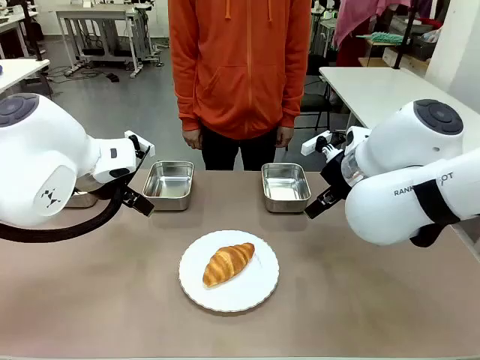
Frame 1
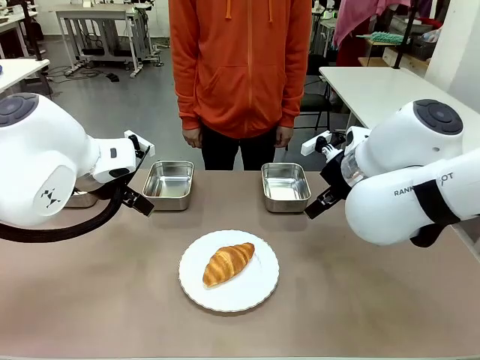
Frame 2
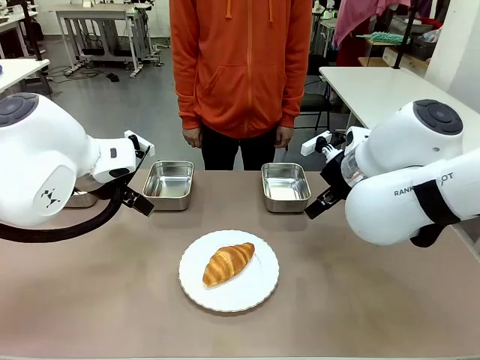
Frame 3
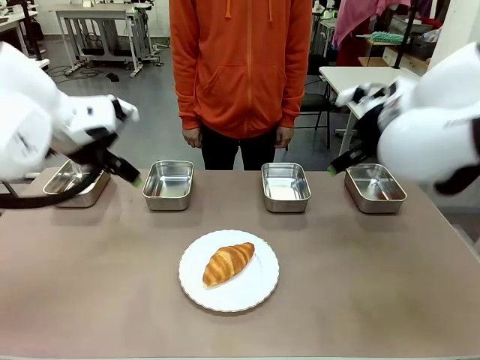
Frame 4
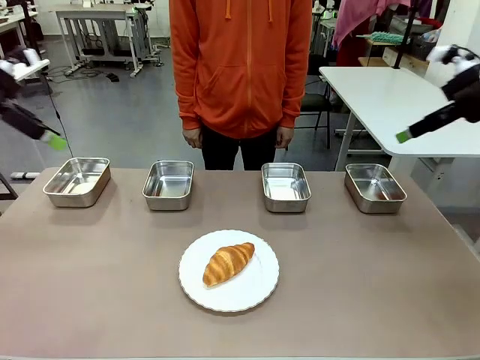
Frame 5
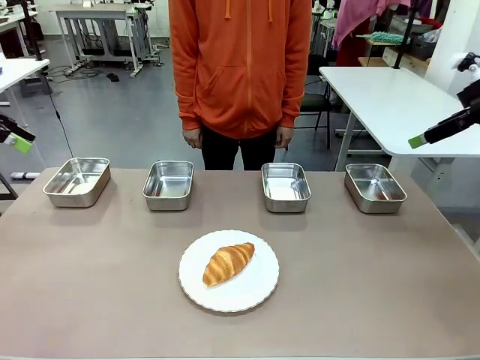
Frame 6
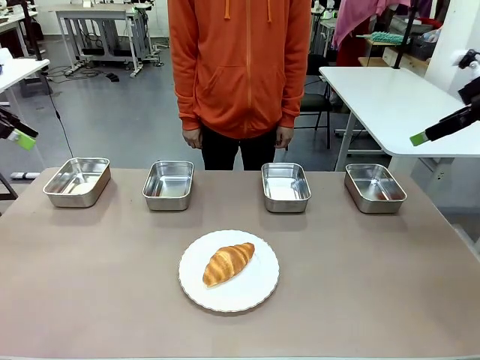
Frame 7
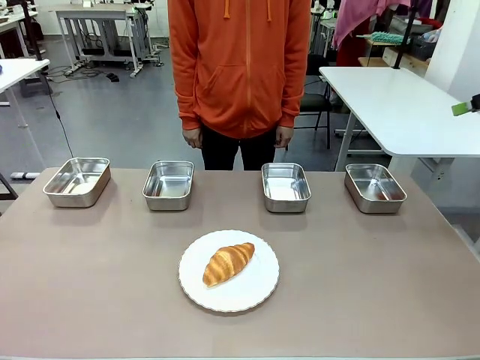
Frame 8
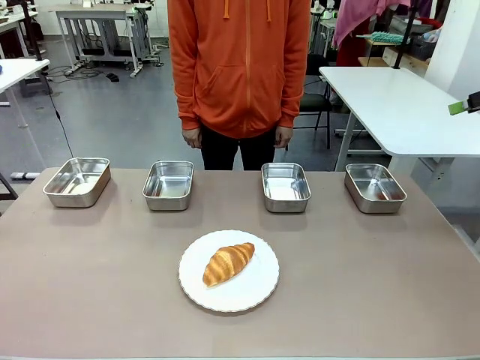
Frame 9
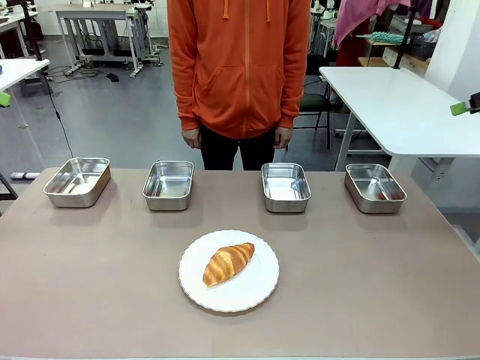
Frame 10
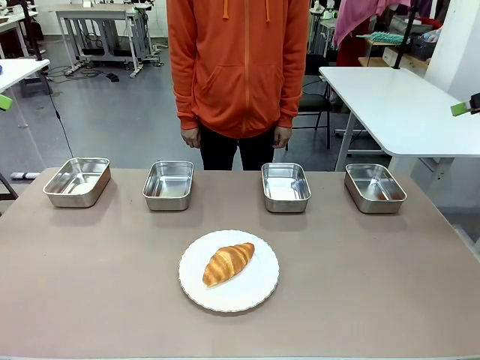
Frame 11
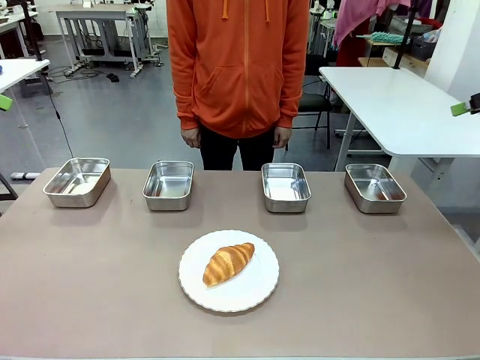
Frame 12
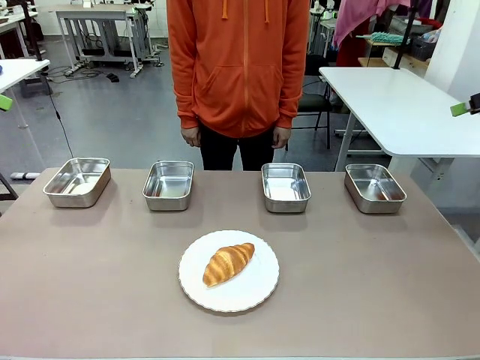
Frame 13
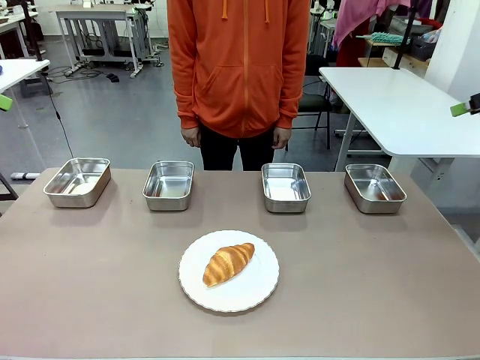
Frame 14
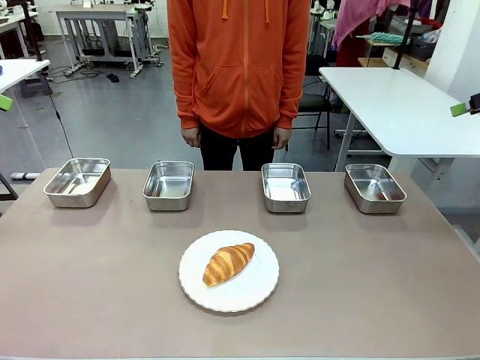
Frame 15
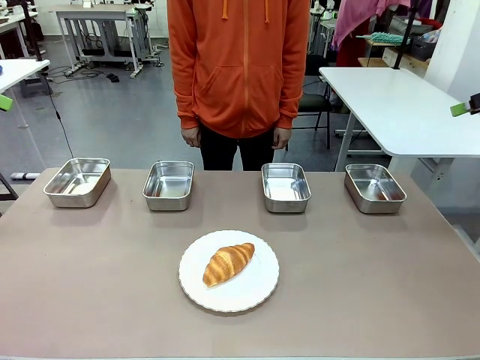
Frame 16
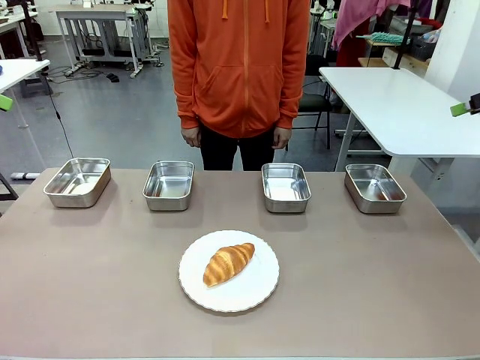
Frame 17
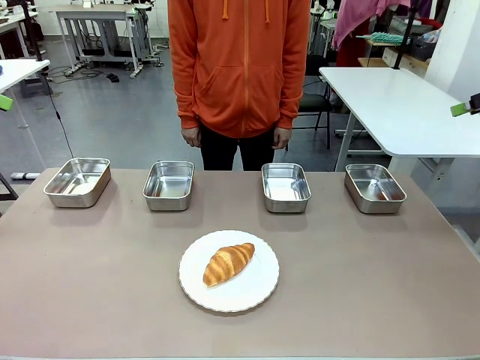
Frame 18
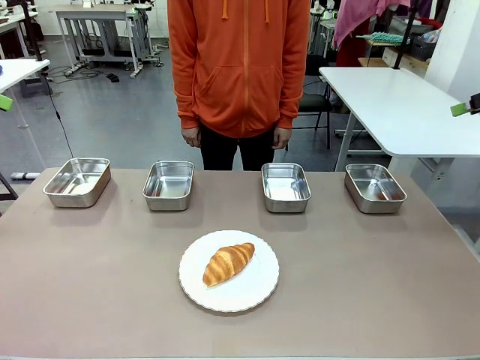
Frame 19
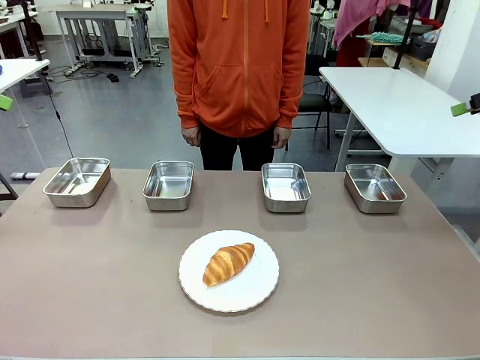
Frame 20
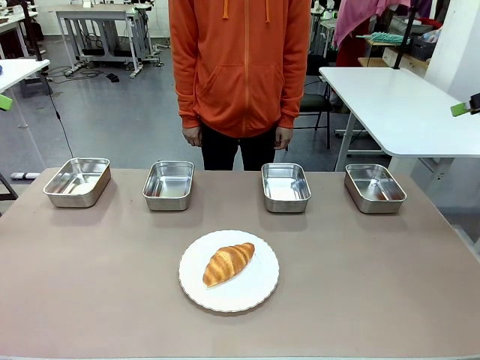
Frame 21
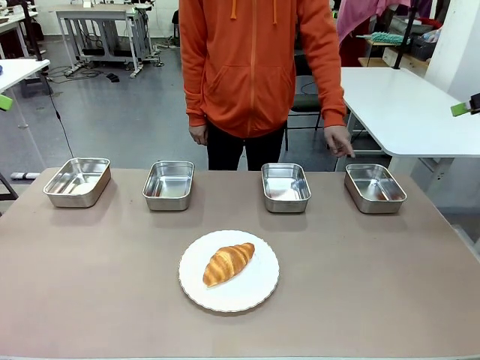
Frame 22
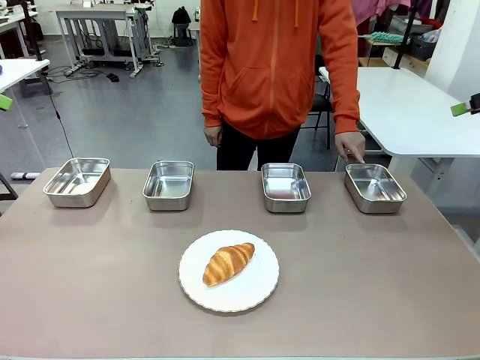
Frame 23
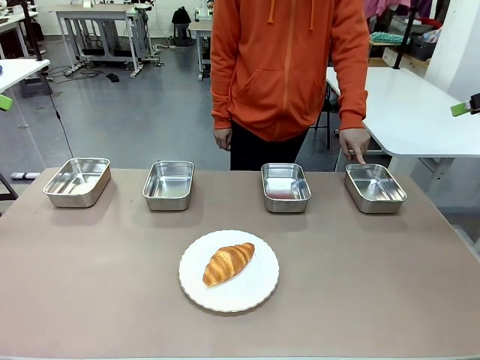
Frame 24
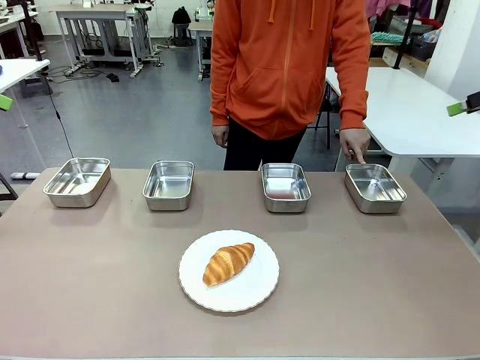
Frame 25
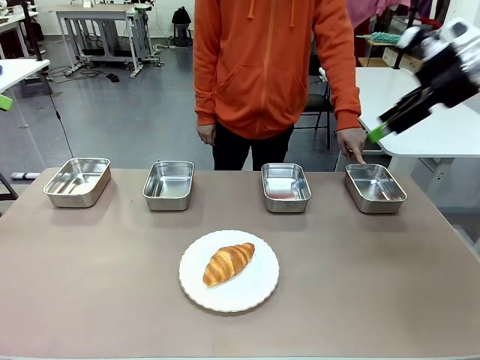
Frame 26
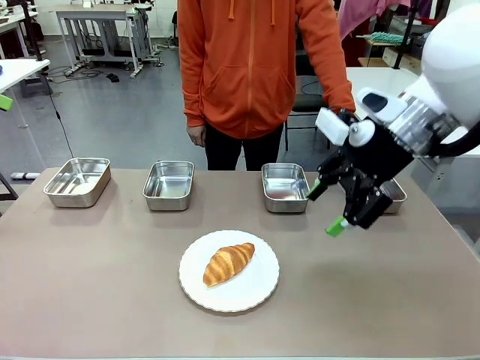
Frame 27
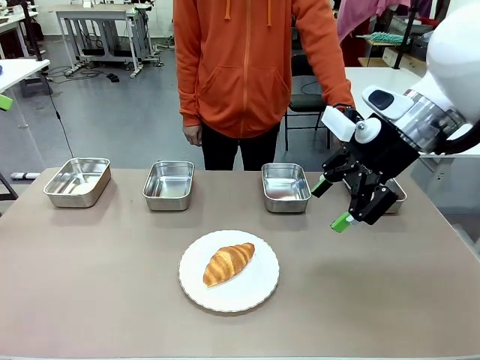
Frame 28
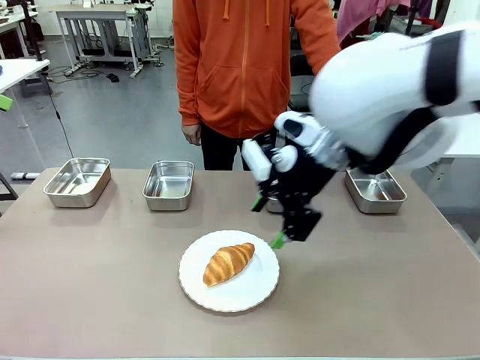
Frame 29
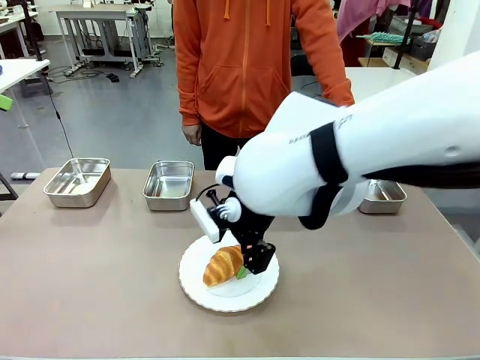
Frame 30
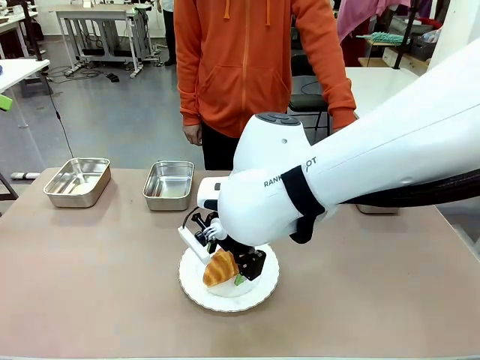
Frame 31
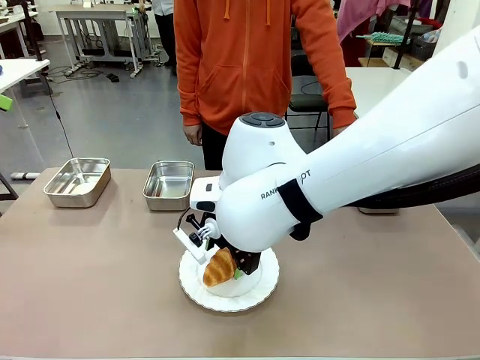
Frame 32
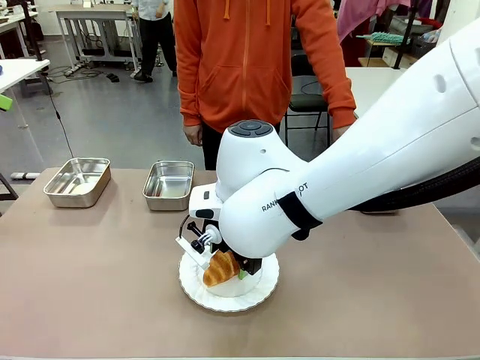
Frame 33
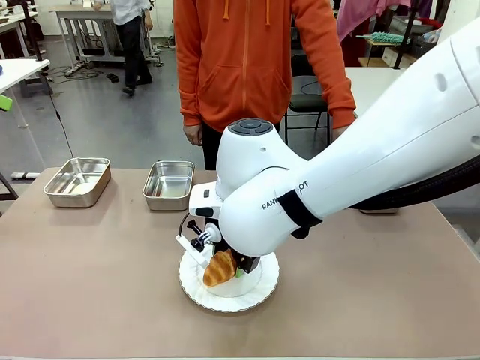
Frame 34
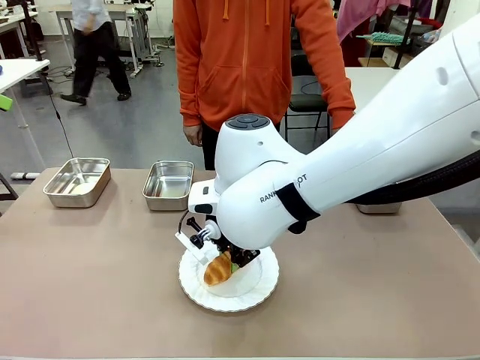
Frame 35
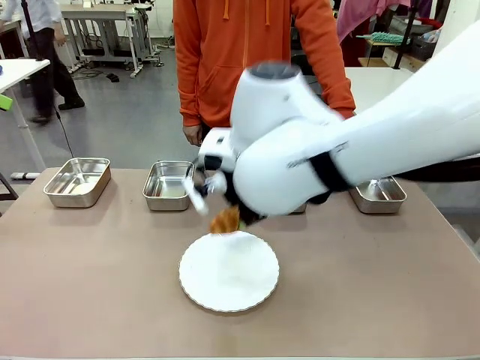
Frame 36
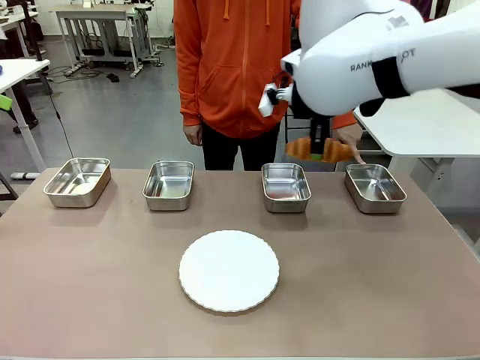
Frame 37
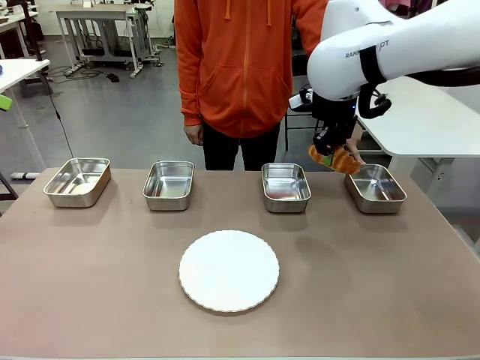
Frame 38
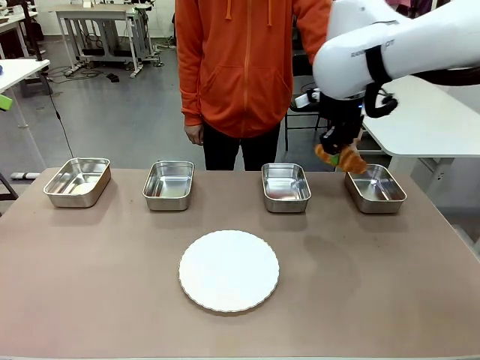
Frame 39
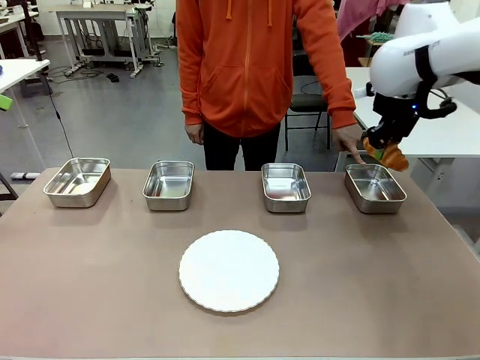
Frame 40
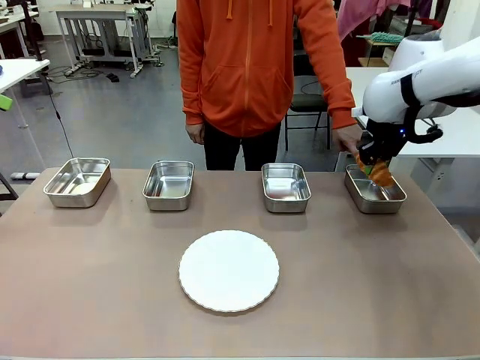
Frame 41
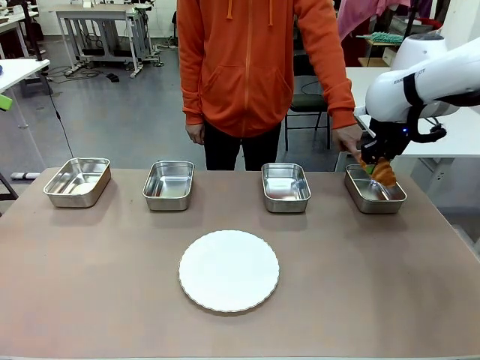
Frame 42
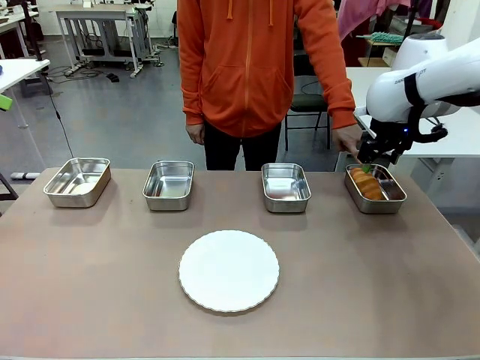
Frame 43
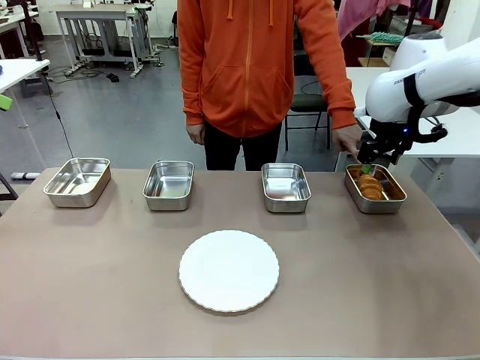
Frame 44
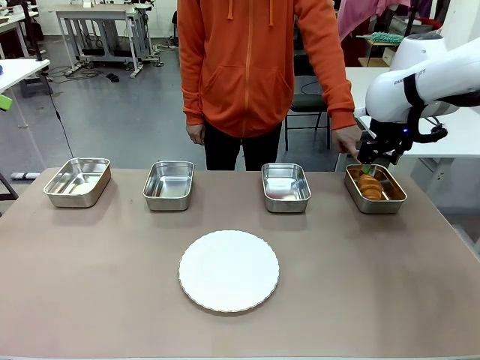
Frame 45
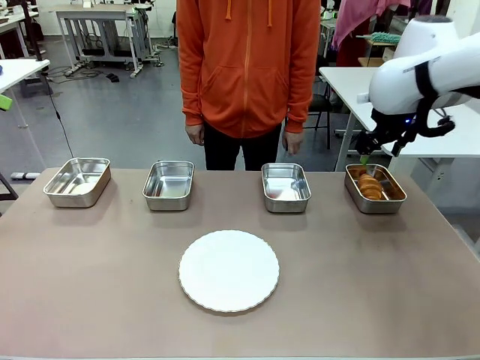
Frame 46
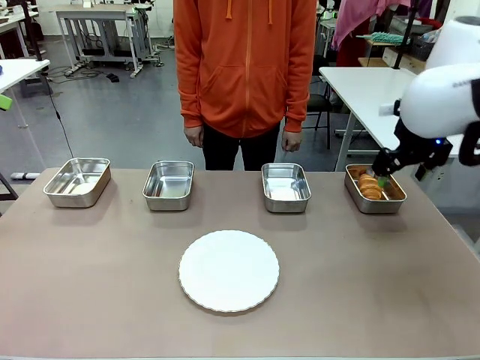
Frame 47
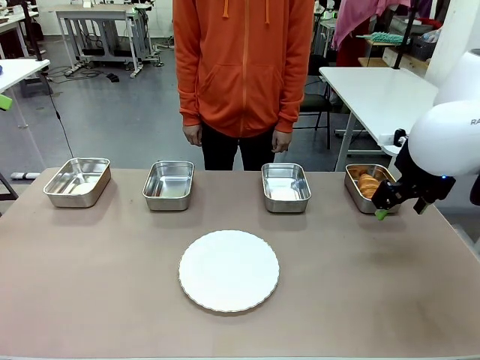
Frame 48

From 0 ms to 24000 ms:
Task: Place the bread in the container.
Robot: Place the Butter Roll into the Airtight Container indicated by the human.
Person: A person randomly selects and points to an Airtight Container.
